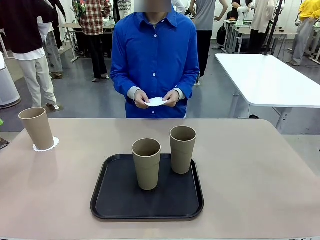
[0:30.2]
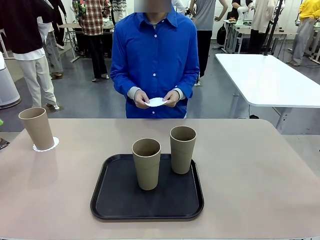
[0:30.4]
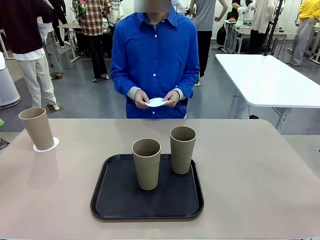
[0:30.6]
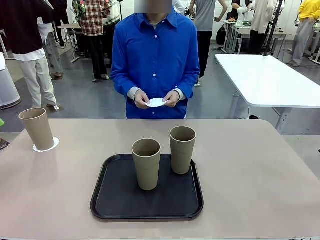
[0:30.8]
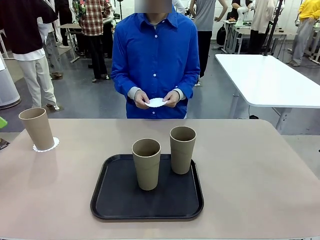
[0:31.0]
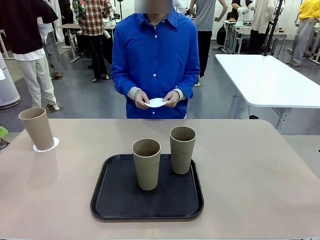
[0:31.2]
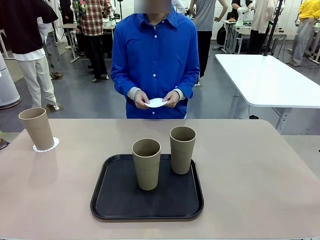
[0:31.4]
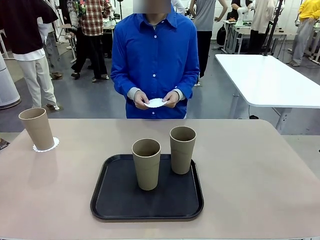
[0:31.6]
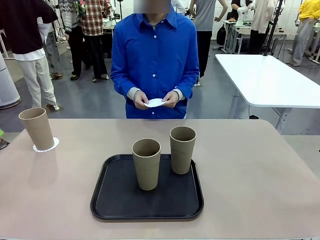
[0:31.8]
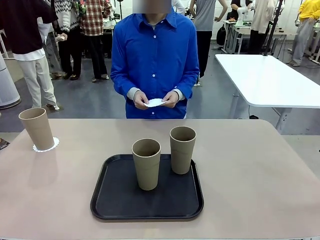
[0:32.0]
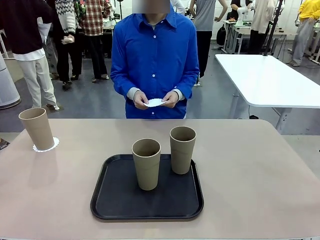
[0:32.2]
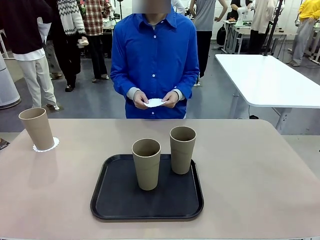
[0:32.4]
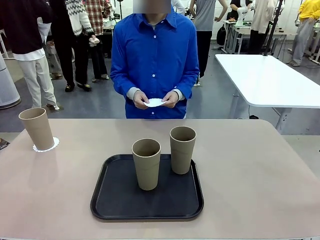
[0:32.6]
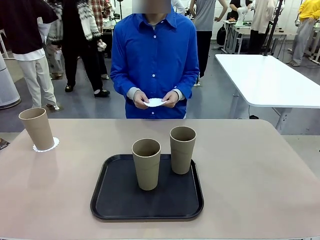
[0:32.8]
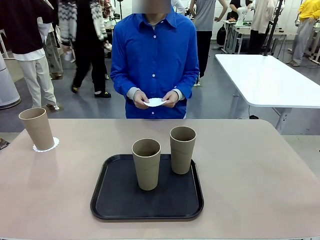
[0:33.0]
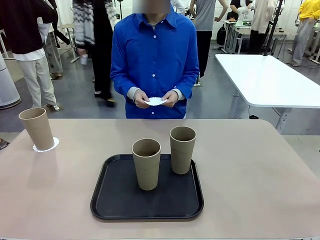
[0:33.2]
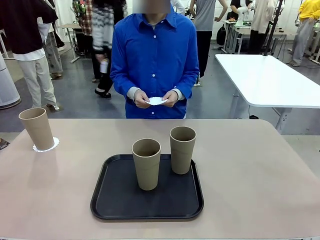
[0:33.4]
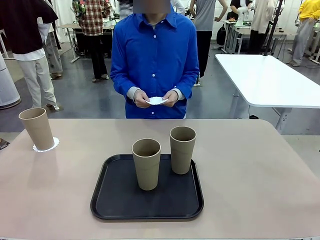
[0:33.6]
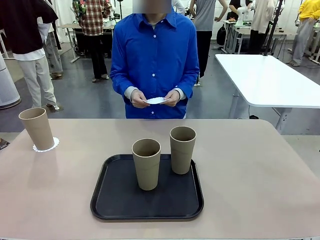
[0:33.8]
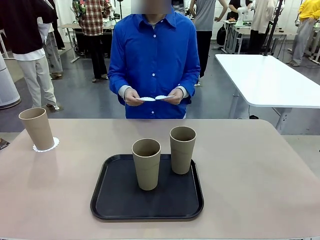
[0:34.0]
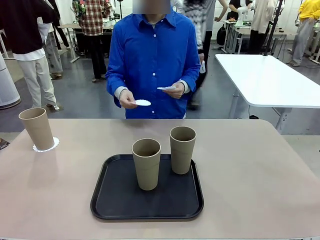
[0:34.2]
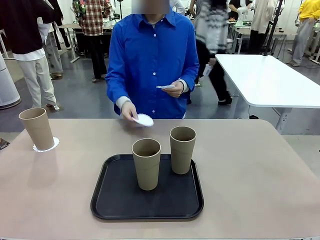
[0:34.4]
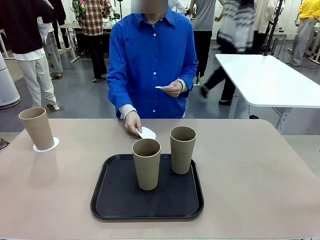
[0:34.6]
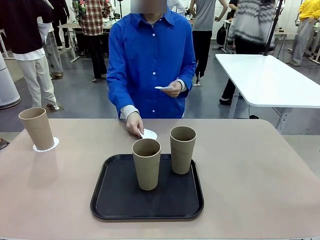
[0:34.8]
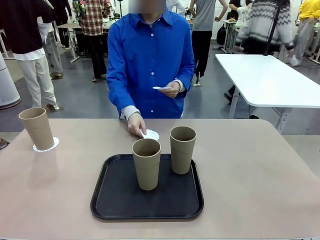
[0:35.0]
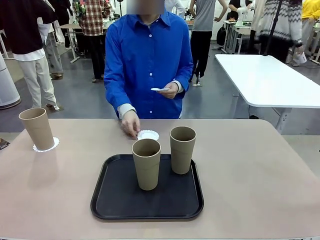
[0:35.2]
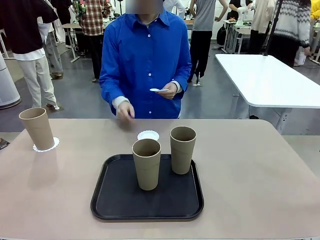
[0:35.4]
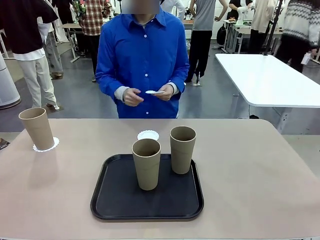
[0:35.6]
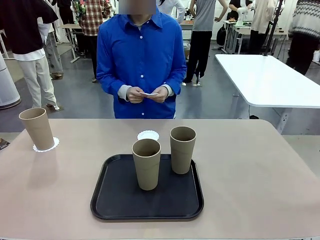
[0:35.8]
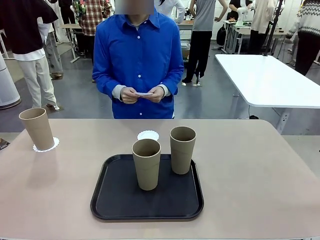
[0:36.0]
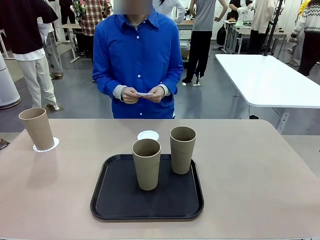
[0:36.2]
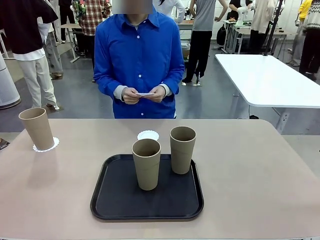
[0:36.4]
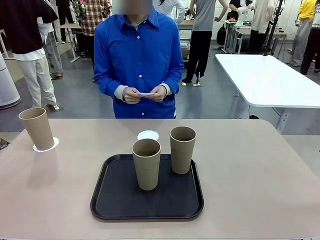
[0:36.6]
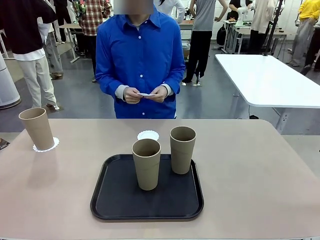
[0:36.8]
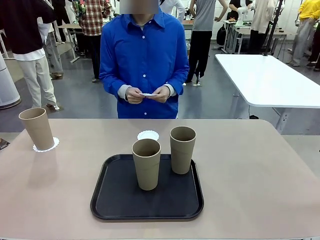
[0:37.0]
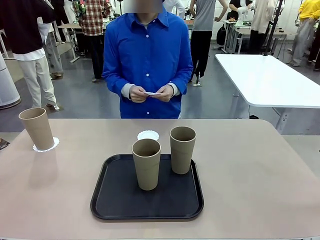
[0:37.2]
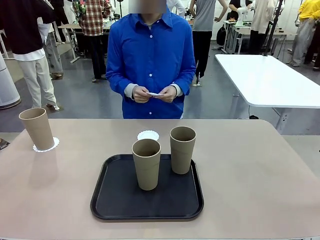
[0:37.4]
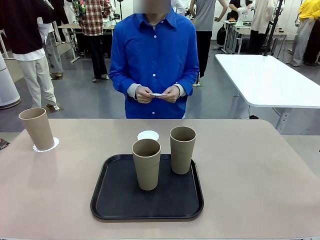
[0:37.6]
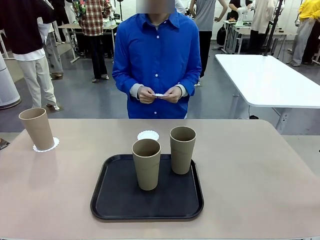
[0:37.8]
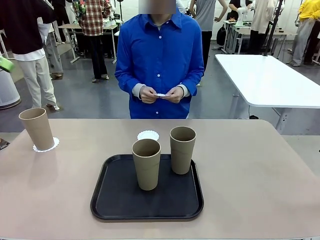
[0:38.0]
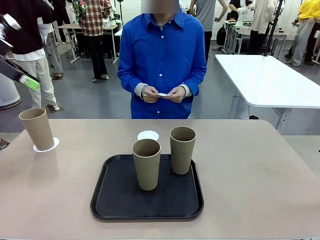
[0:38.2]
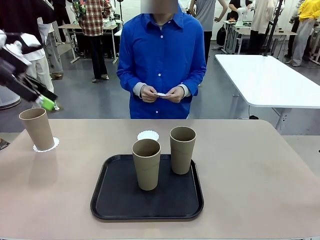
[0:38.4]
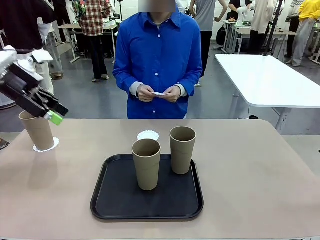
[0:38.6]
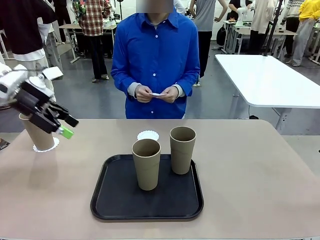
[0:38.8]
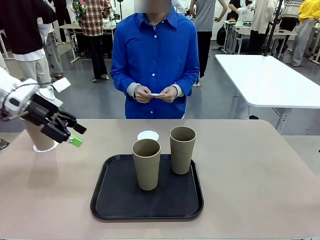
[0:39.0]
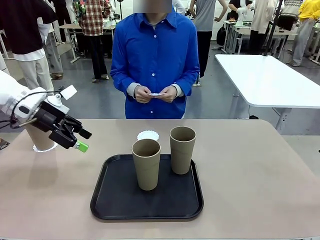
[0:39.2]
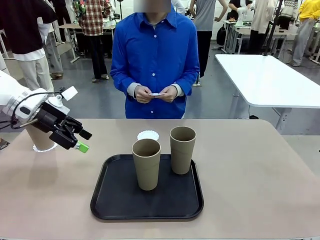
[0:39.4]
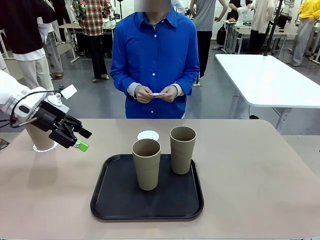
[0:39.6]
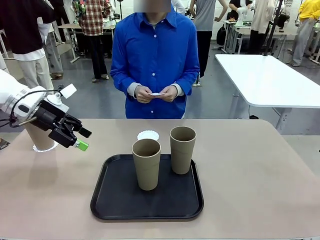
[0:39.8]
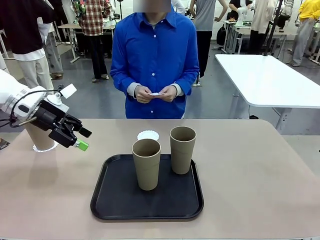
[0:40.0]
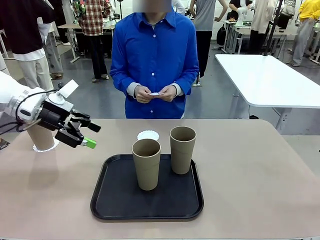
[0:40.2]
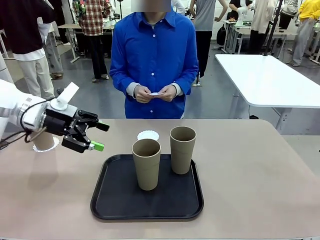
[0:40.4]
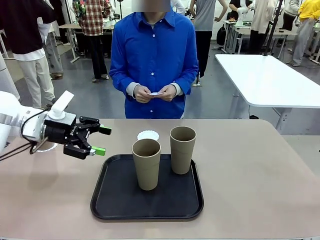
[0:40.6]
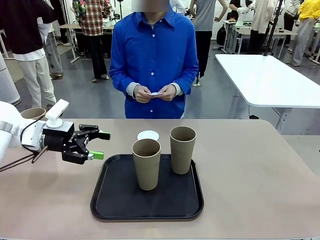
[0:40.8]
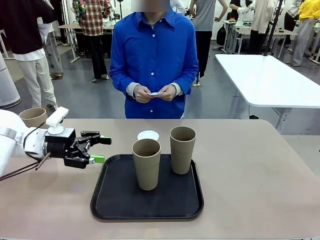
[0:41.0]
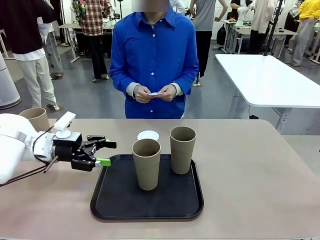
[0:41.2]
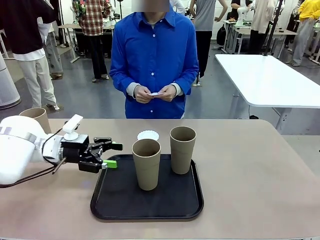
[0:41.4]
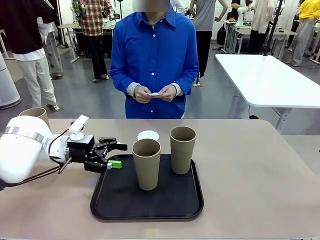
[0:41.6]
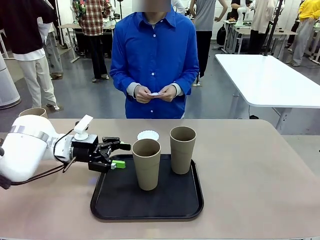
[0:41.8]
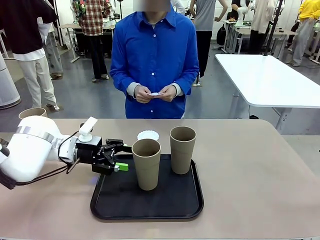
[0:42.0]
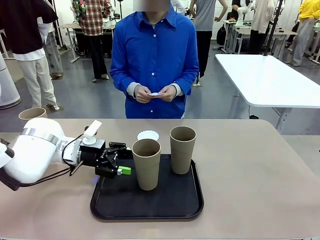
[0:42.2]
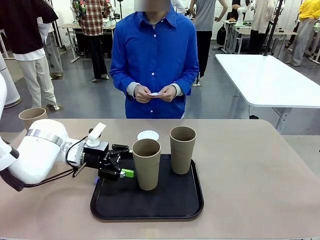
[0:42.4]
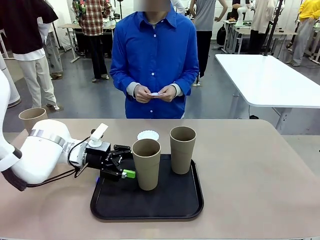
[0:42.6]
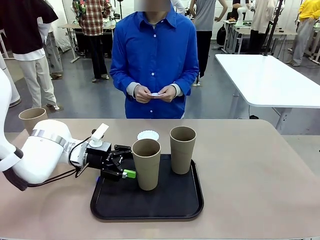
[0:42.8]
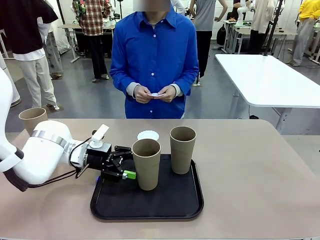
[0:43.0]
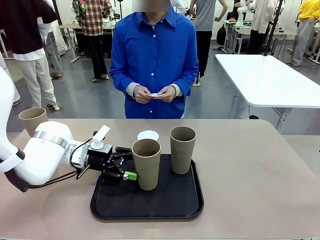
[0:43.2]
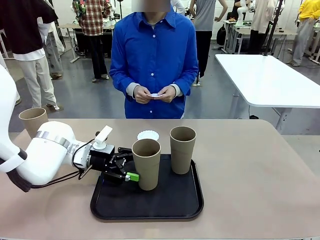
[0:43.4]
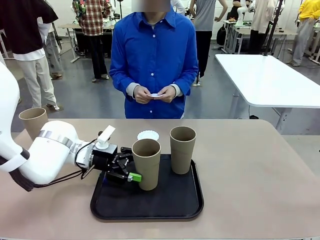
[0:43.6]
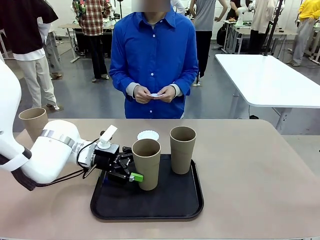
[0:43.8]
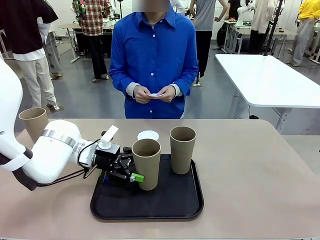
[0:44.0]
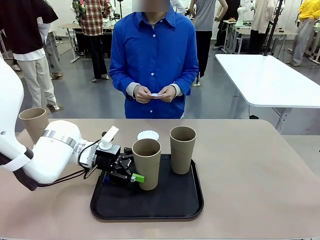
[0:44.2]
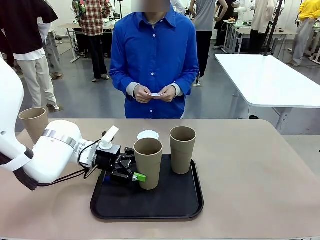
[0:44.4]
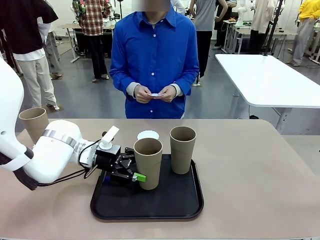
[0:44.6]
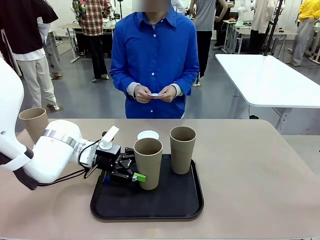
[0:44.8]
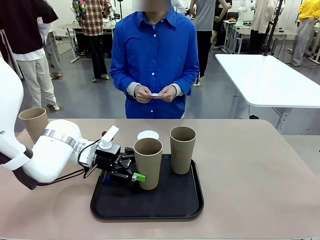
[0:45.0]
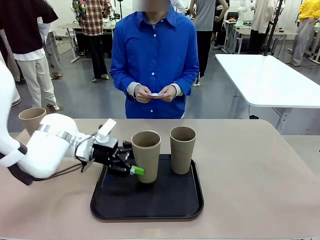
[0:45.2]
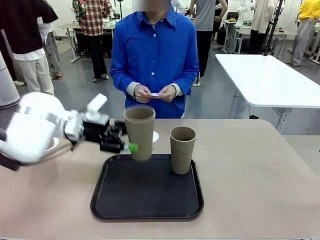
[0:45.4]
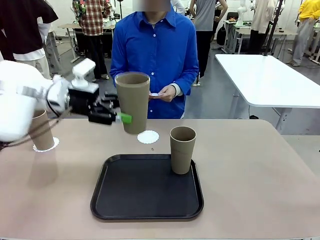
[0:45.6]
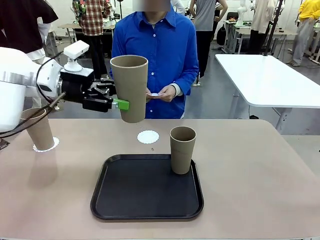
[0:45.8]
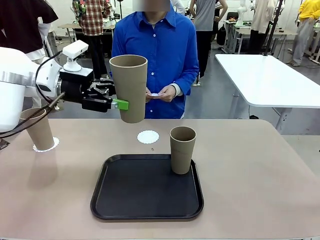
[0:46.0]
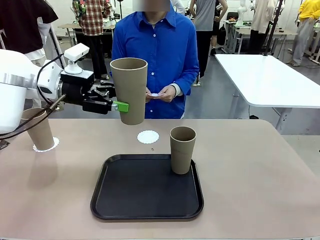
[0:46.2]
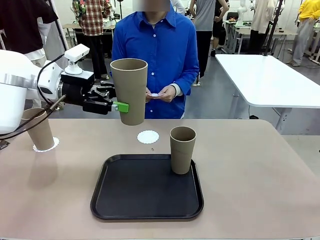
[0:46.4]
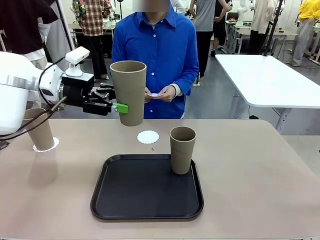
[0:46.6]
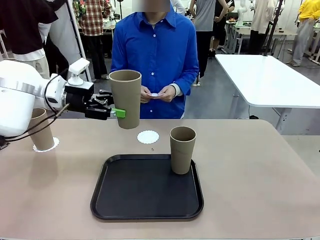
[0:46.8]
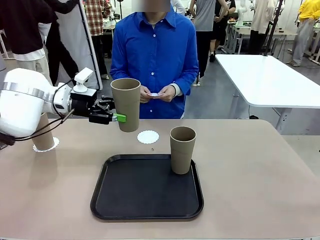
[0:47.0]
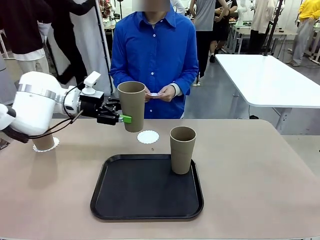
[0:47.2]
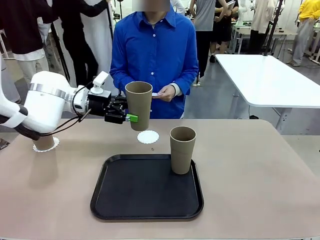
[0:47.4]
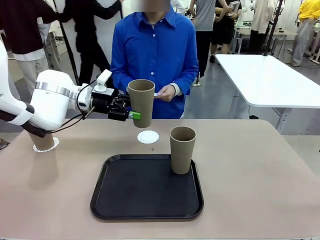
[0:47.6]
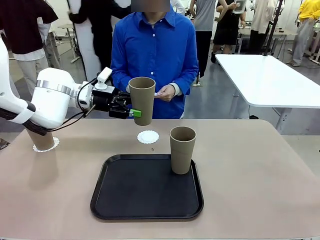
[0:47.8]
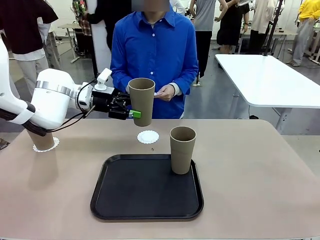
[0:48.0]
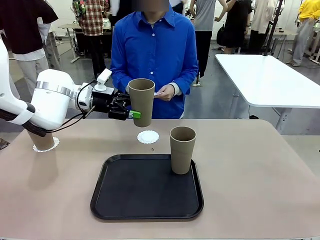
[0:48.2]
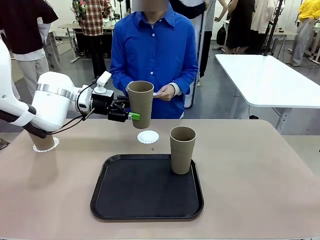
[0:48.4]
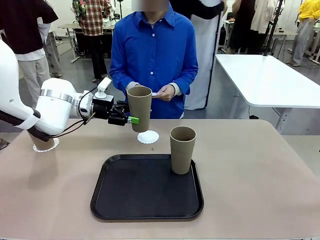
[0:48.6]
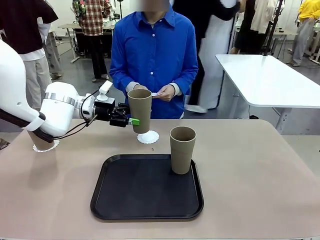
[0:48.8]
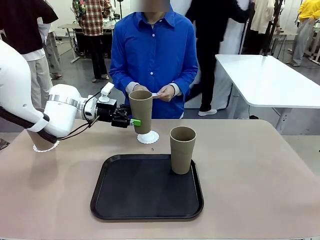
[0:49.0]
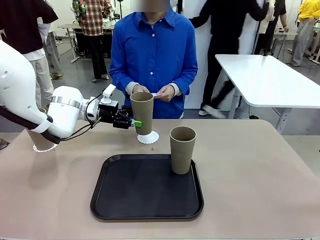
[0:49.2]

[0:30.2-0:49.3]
Task: Place coasters on the table and set cups on them.
Robot: Take one Reusable plastic cup from the Flat Tray and place it on a coaster set by the human.
